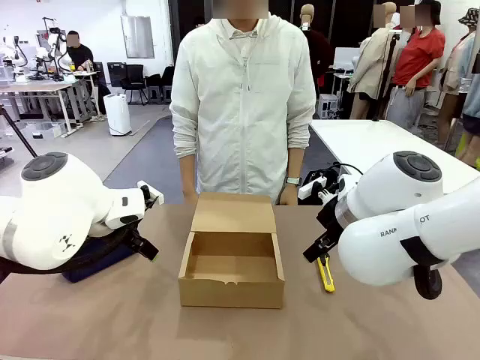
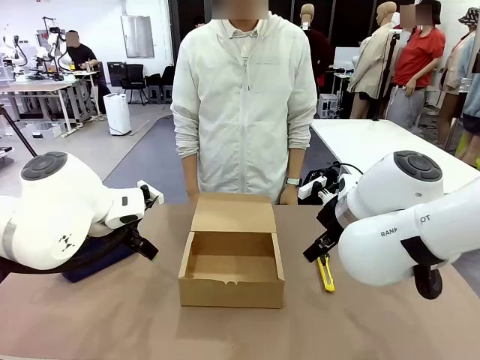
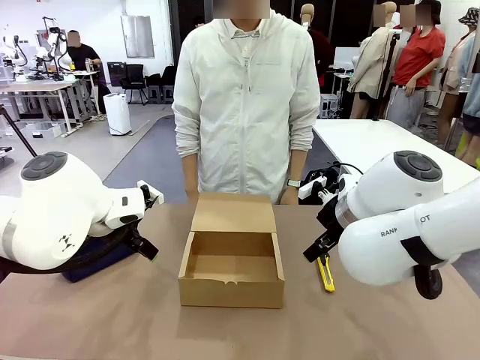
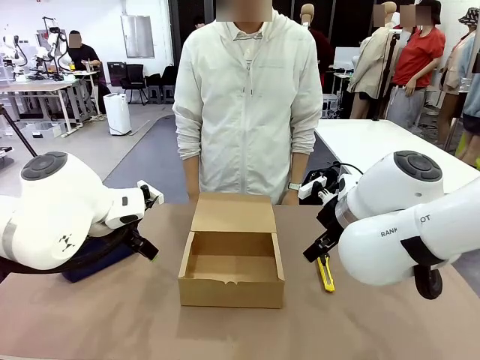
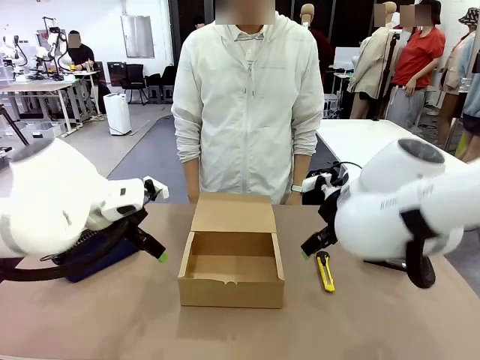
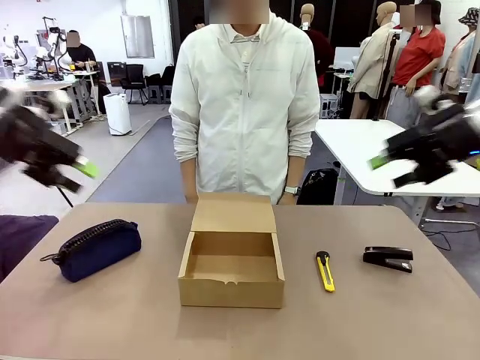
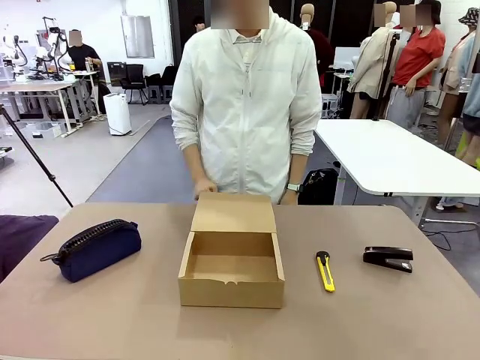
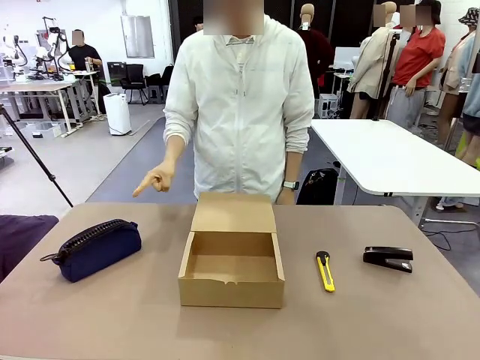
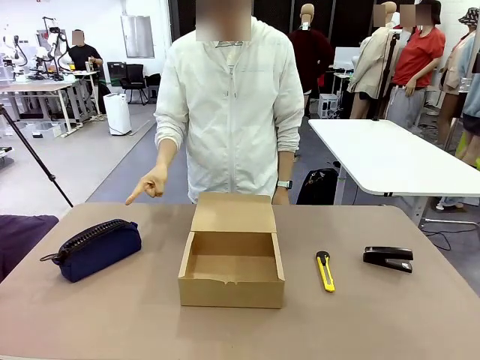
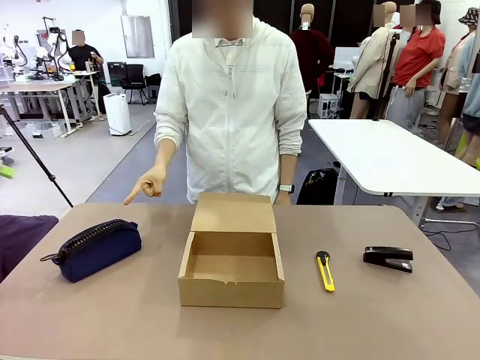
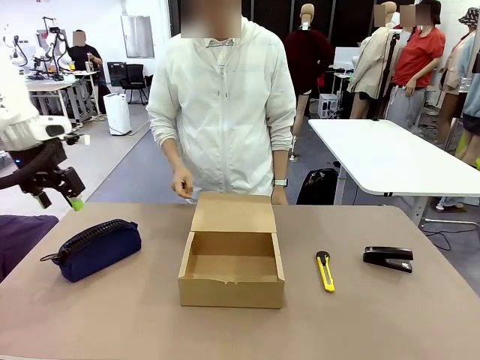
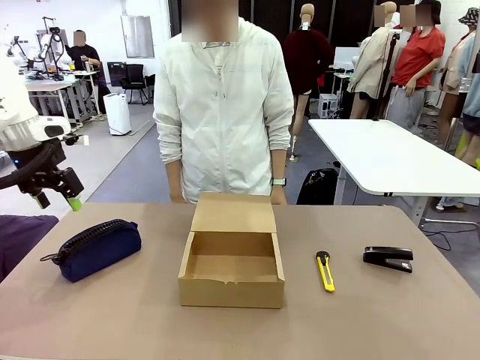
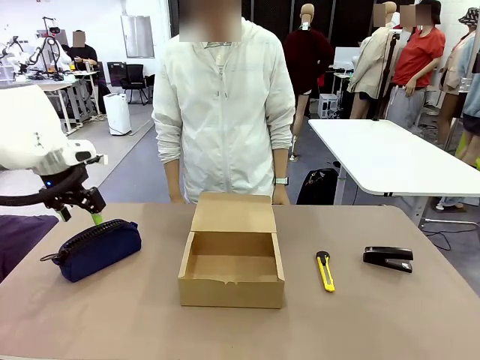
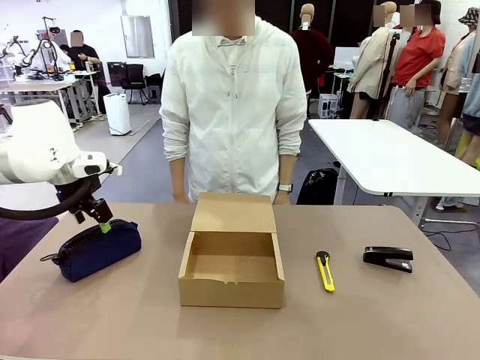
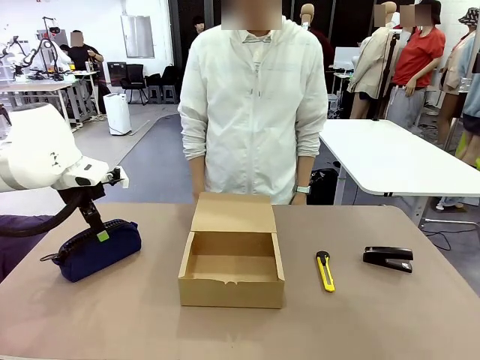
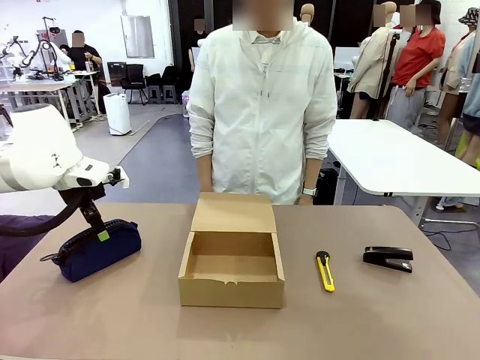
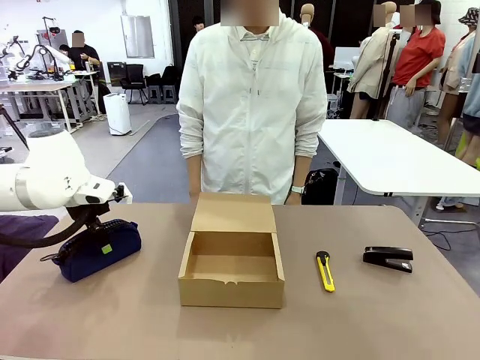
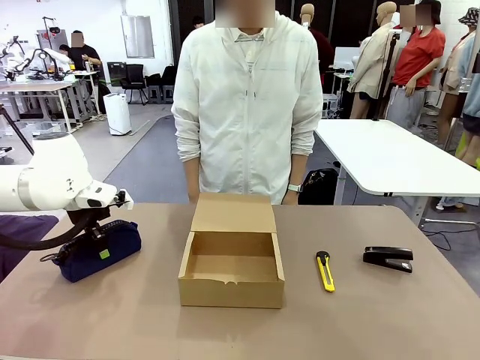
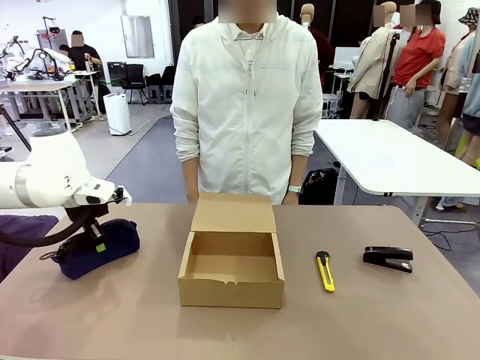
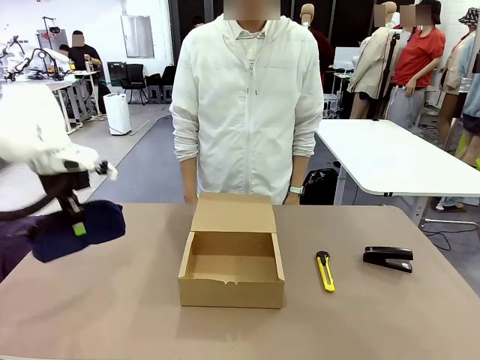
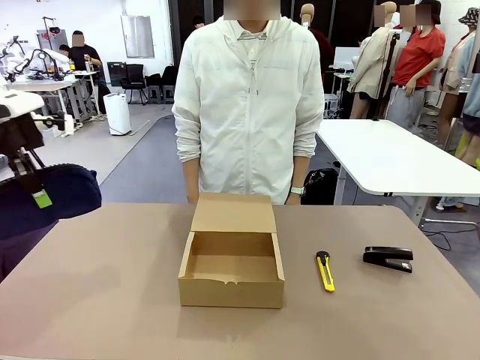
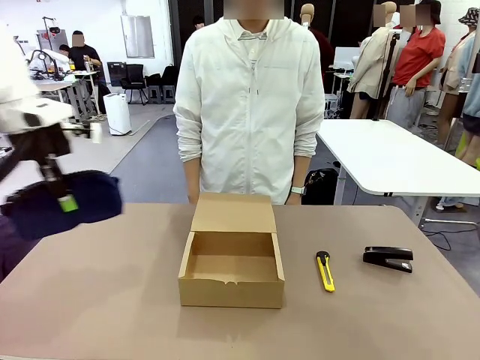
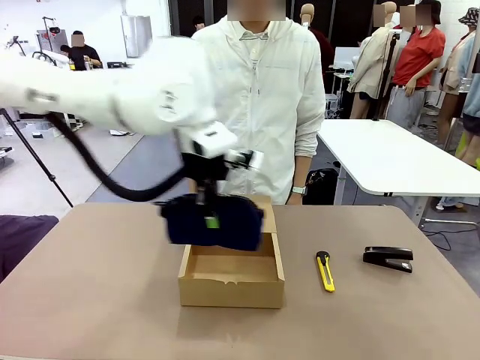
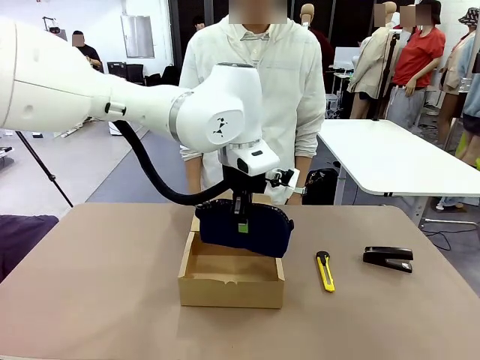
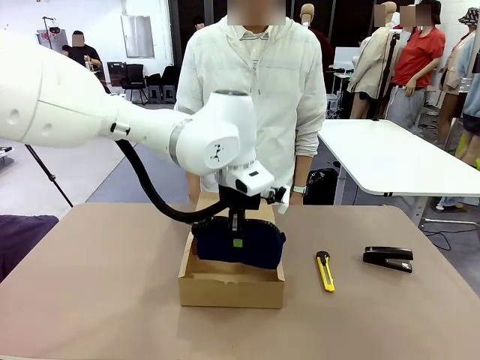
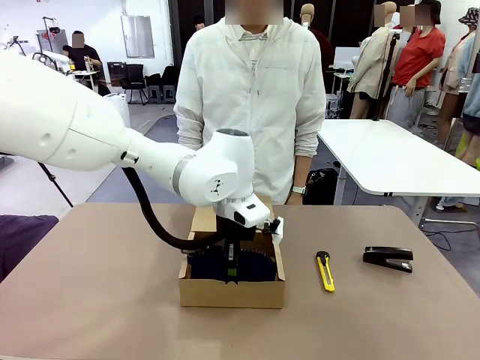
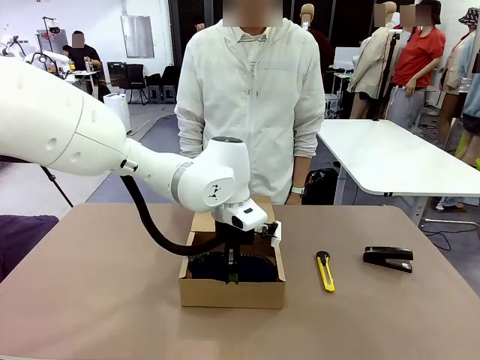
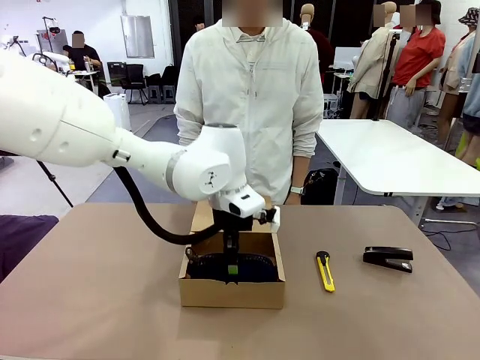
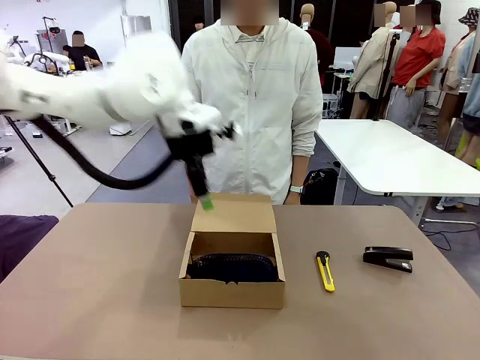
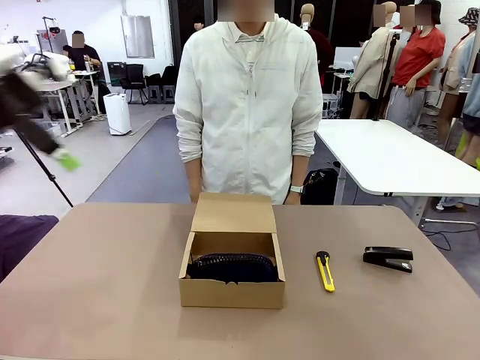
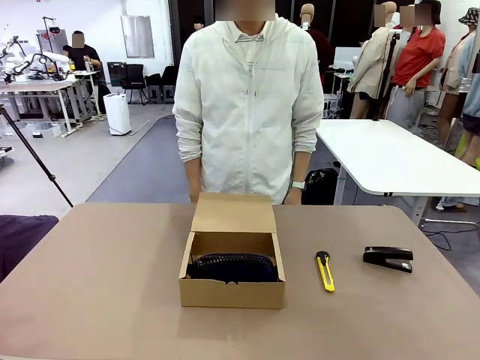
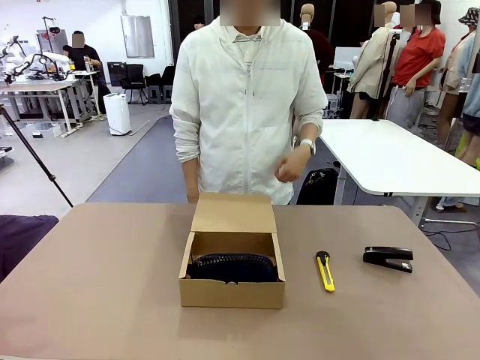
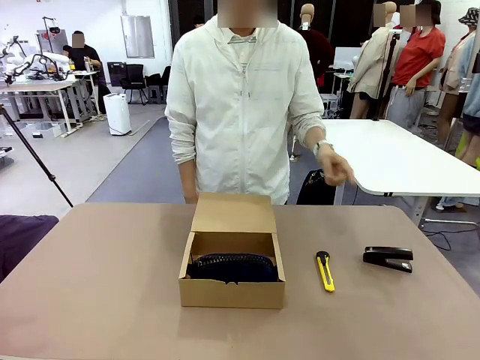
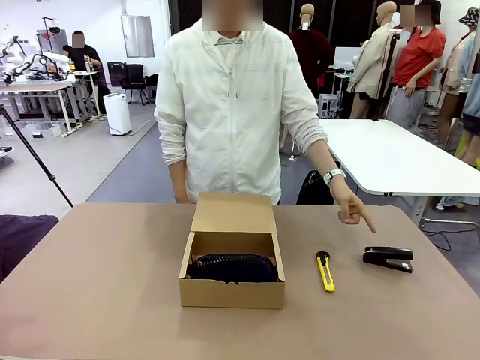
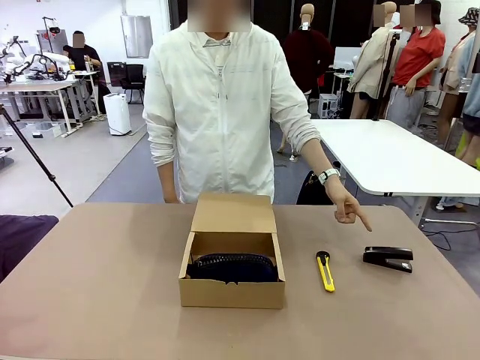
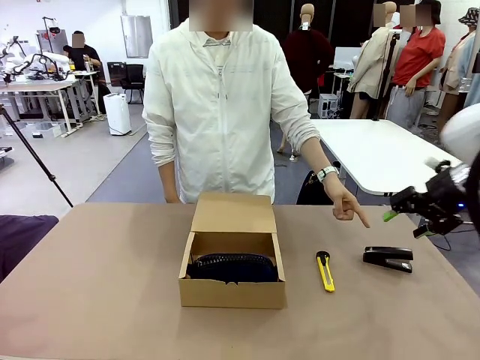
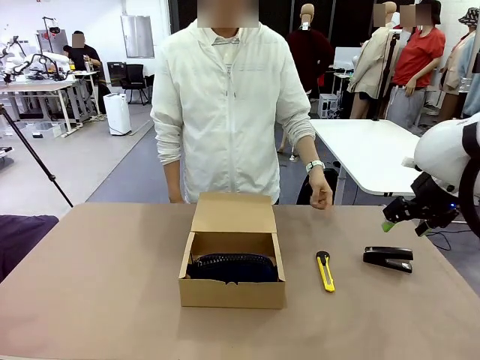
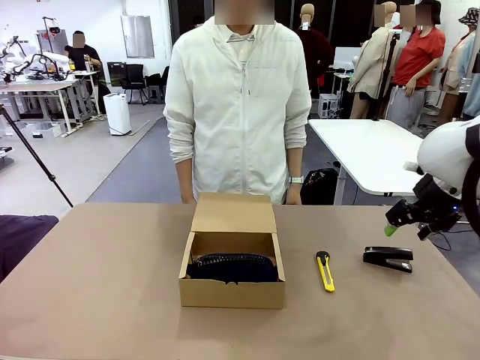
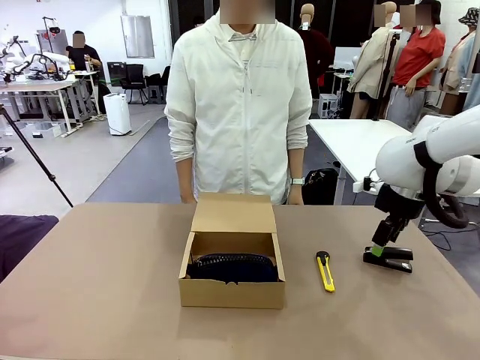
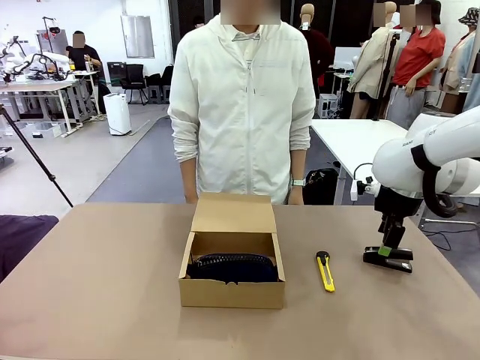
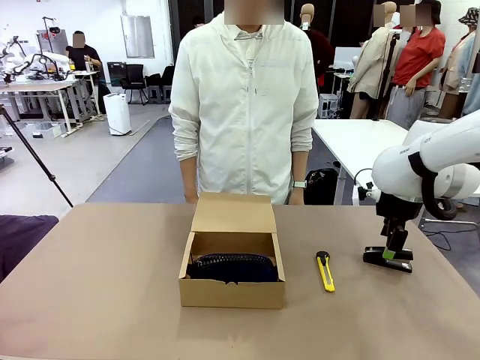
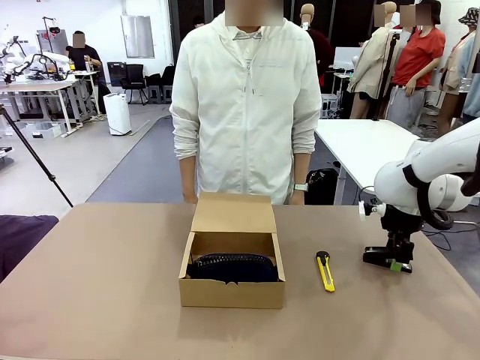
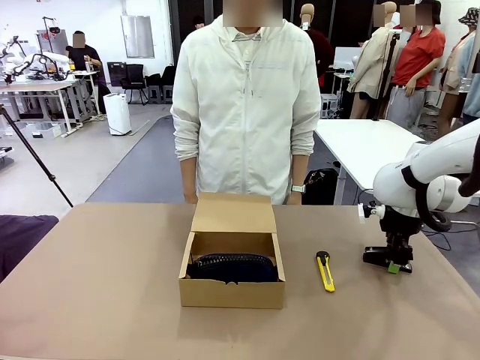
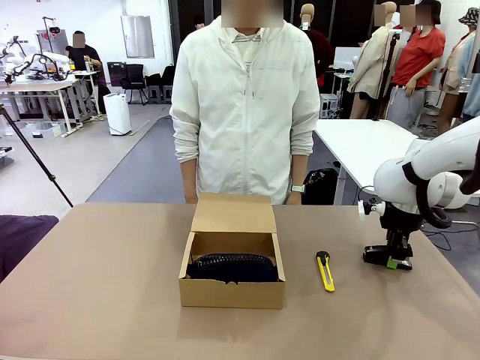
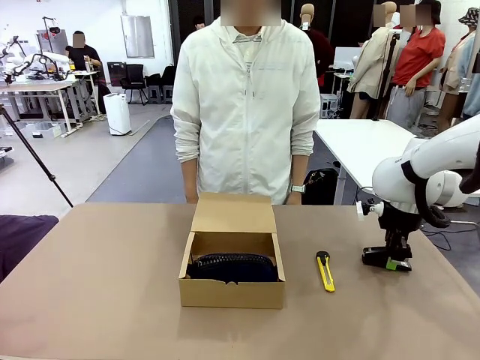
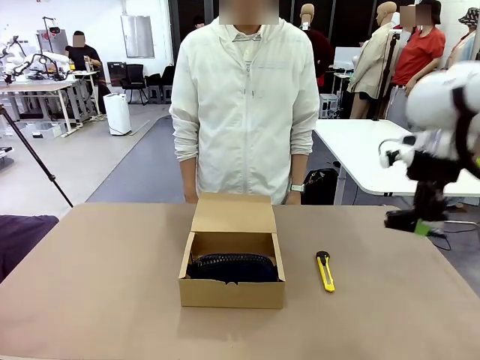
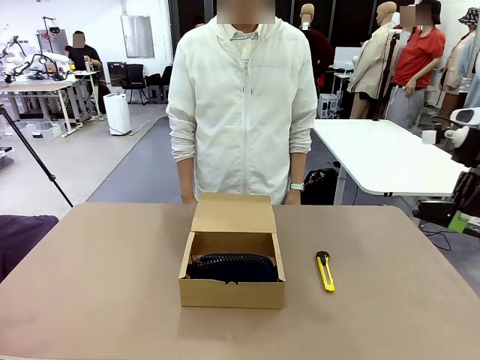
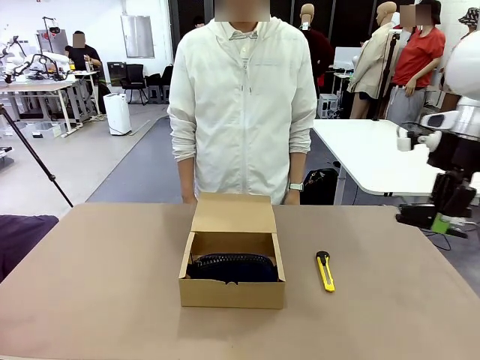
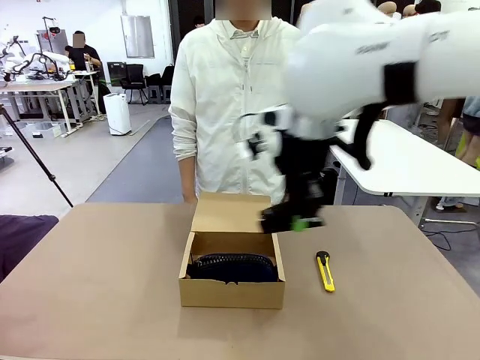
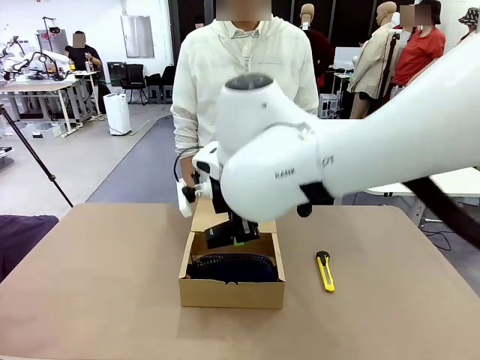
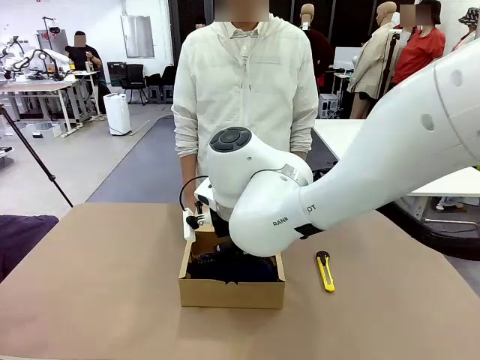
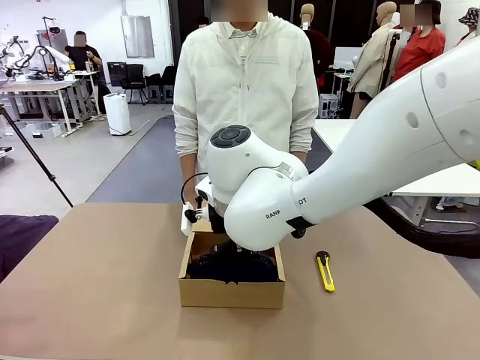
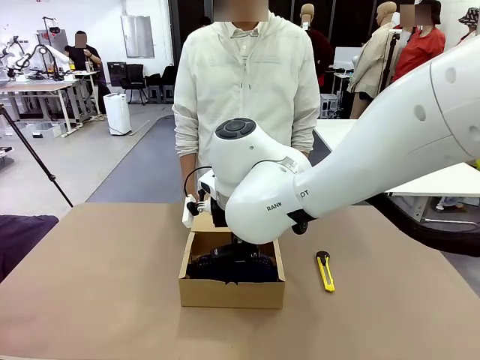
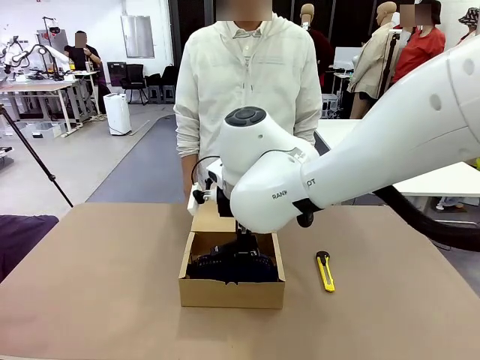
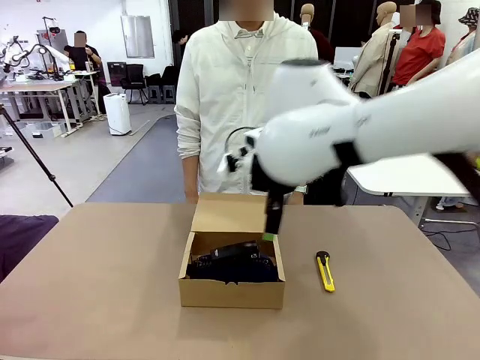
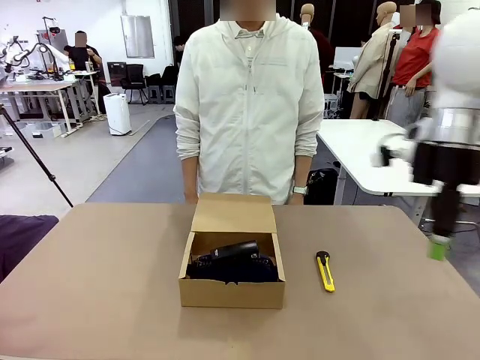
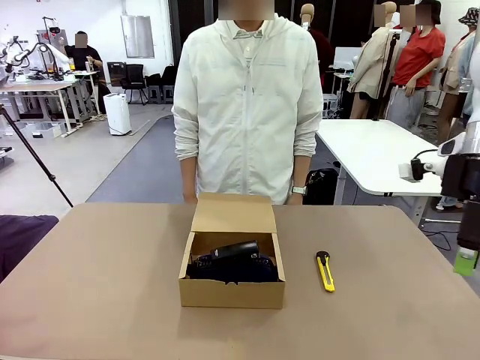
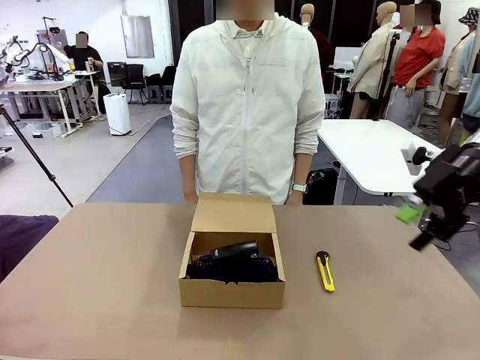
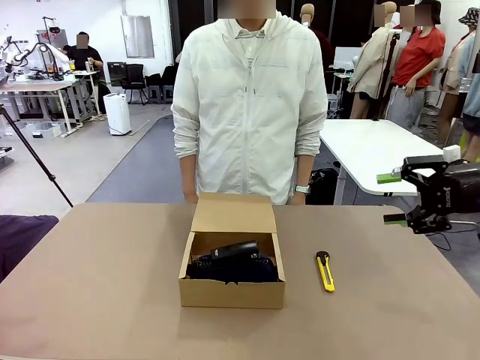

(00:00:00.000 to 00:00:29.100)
Task: Pack the items into the box.
Robot: Pick up the item specified by the human and place it in the Mailer Box.
Person: Point at one item on the table (excluding the box). Lower both hands vertically with palms facing downward, as if pressing something closed.
